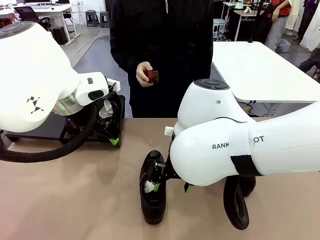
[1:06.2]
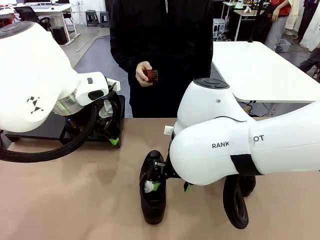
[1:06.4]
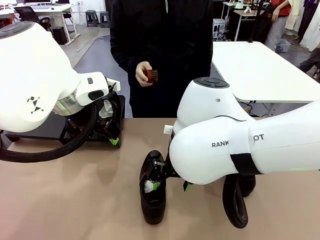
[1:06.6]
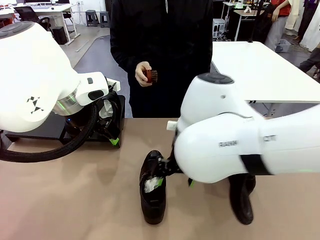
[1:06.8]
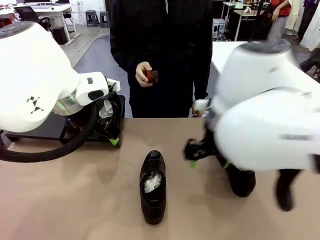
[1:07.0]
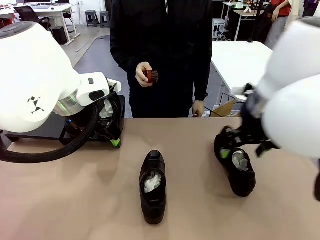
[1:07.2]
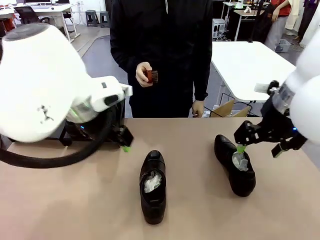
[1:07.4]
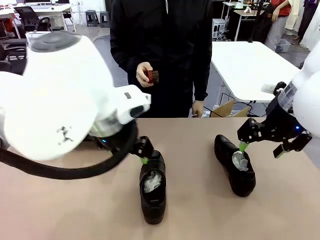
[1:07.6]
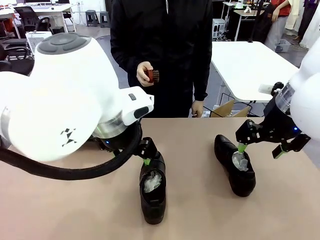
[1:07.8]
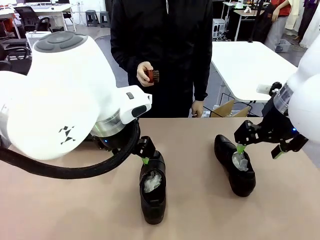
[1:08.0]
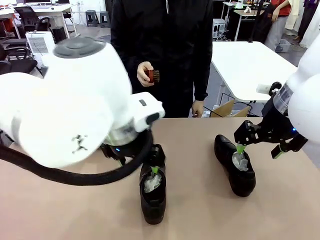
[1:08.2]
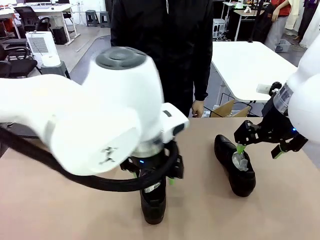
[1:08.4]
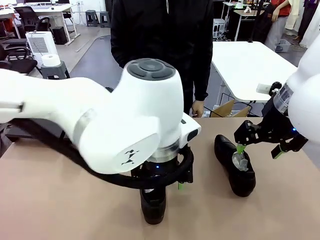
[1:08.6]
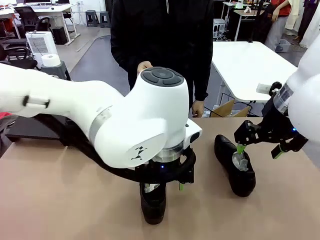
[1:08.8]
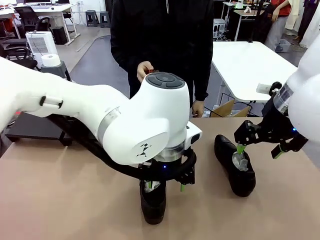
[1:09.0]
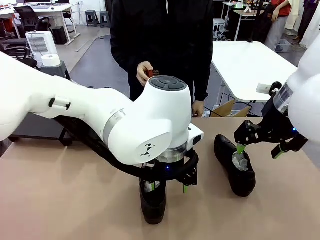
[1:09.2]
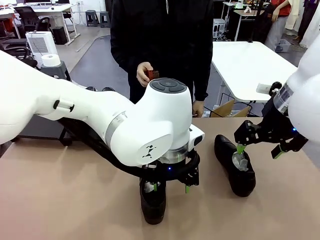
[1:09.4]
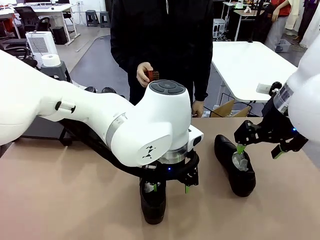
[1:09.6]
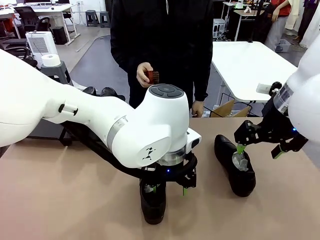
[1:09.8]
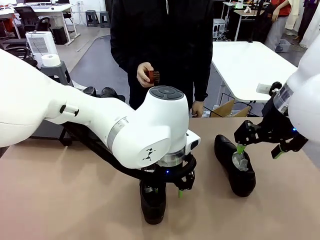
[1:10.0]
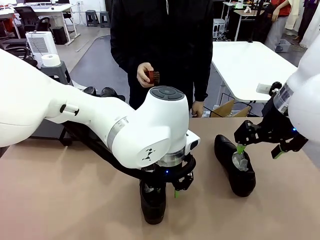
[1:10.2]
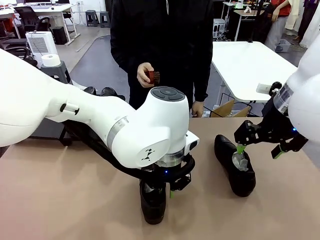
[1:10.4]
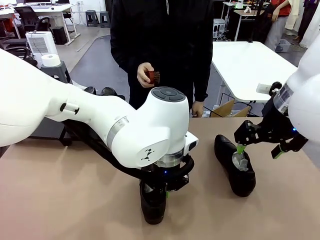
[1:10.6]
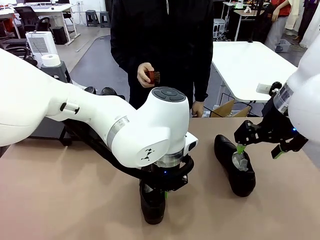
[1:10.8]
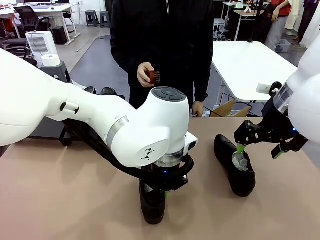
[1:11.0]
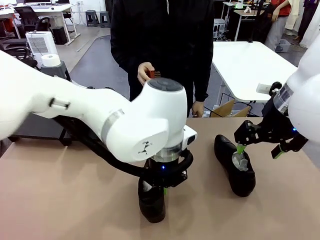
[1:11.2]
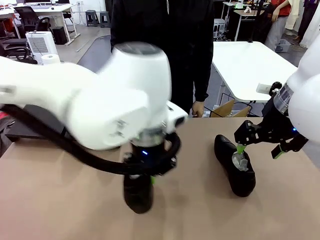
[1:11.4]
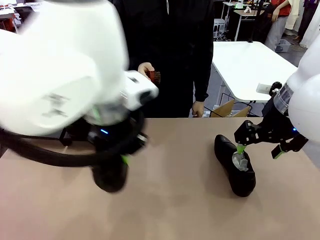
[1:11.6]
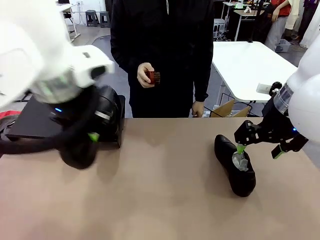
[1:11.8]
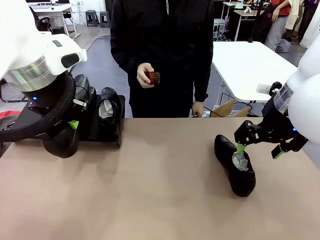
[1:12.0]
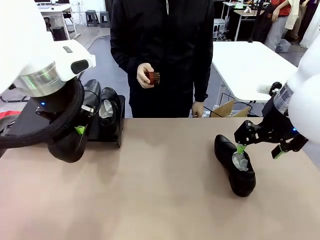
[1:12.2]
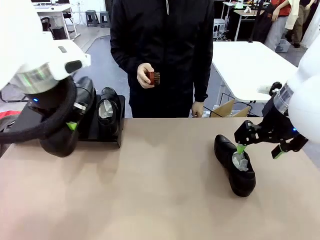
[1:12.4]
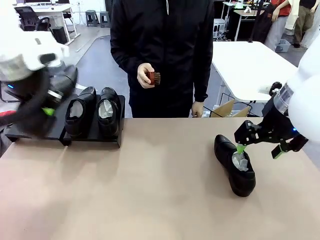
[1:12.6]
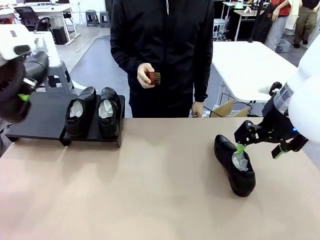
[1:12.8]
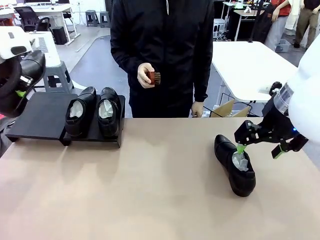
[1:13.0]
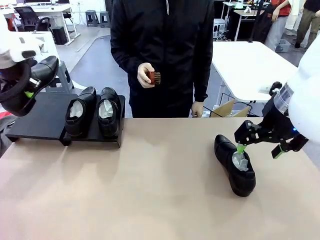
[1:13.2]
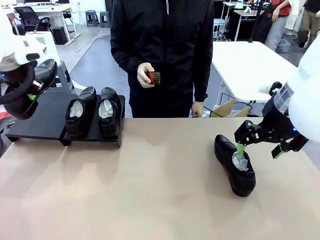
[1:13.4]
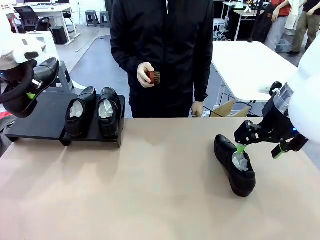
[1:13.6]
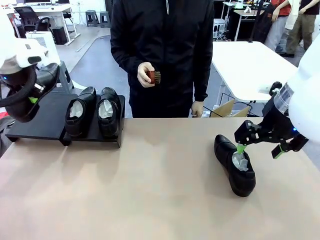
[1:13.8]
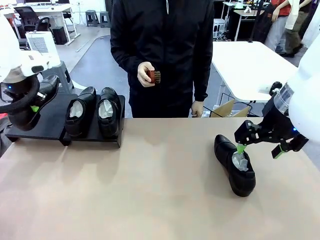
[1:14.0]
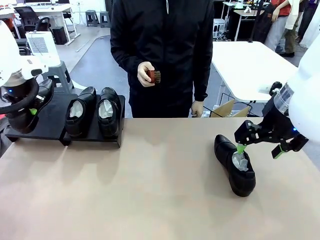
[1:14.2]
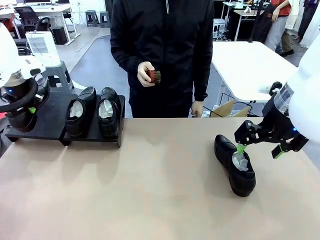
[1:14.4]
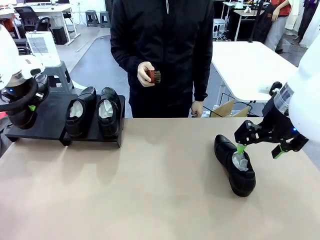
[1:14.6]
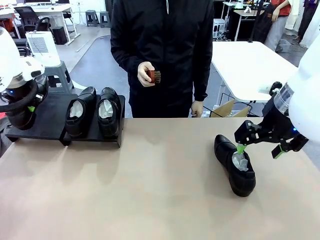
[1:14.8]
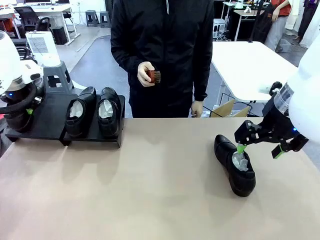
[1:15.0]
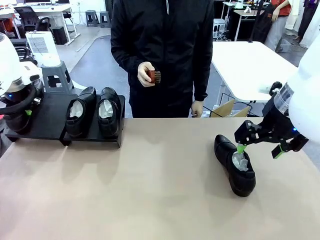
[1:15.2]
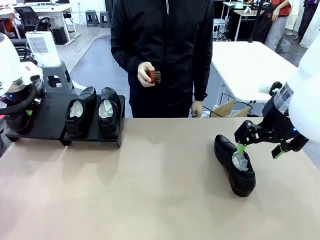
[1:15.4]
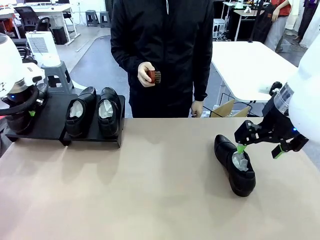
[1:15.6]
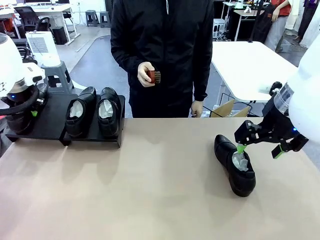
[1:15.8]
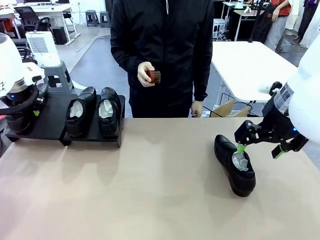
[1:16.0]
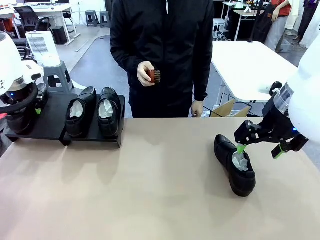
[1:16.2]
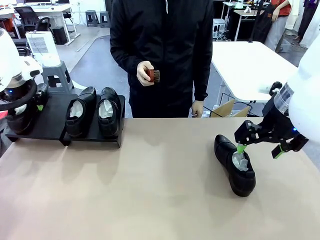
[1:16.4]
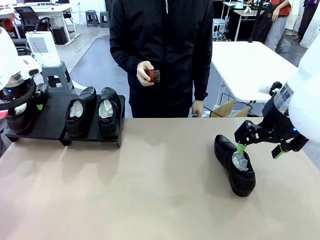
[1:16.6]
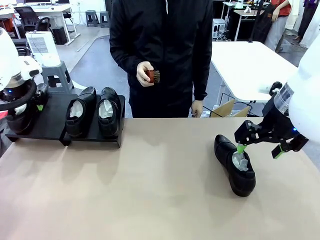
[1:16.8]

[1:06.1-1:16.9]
Task: Organize the shoes by placing them on the stand.
Robot: Place the Shoe from the middle of the table onto the Shoes Stand.

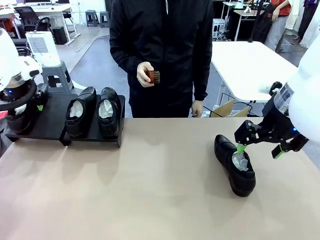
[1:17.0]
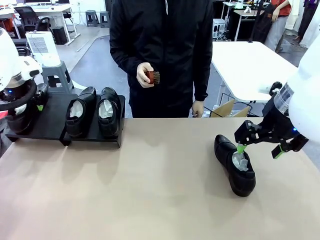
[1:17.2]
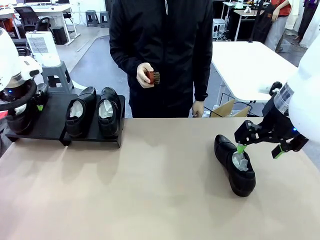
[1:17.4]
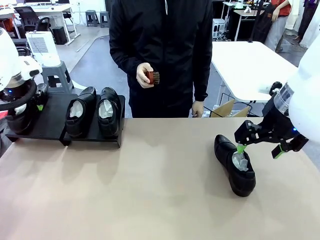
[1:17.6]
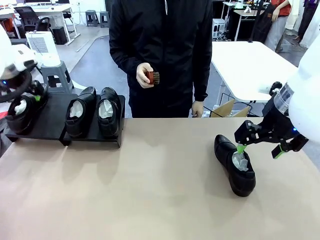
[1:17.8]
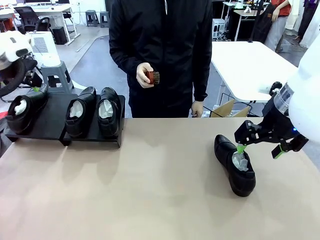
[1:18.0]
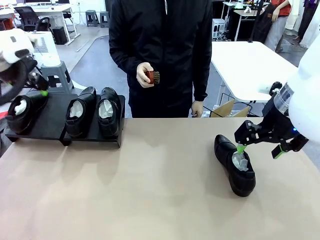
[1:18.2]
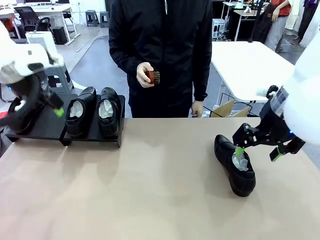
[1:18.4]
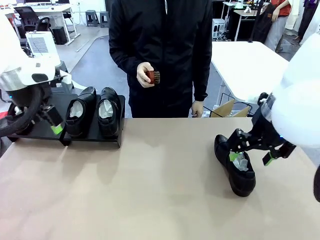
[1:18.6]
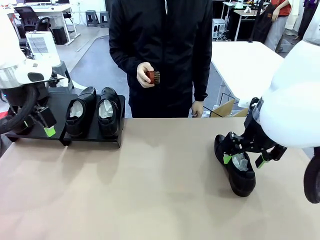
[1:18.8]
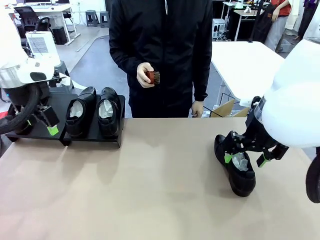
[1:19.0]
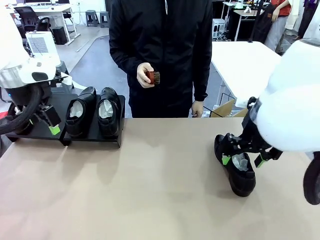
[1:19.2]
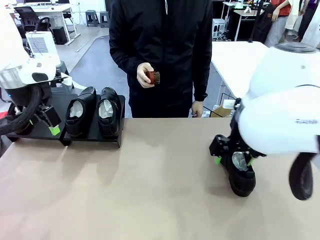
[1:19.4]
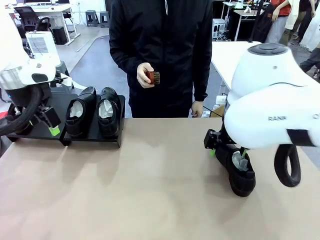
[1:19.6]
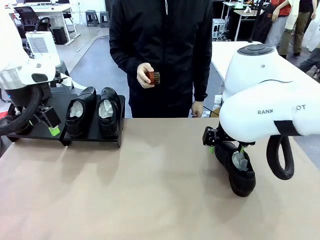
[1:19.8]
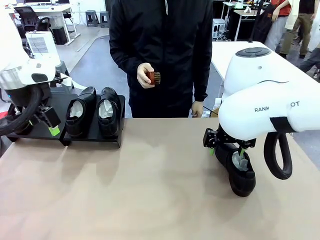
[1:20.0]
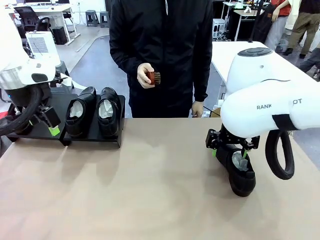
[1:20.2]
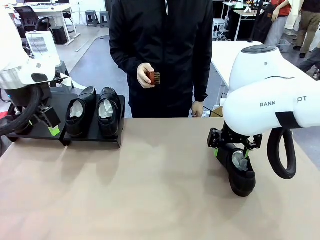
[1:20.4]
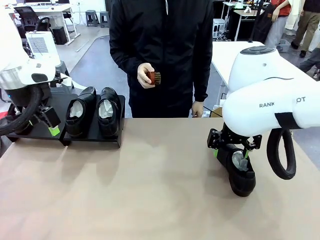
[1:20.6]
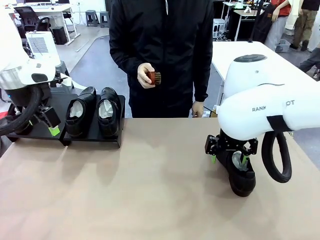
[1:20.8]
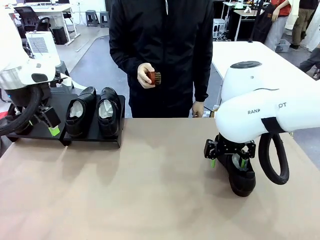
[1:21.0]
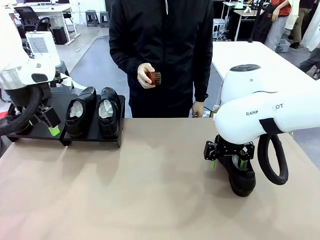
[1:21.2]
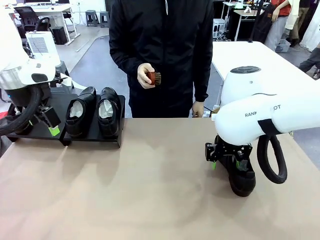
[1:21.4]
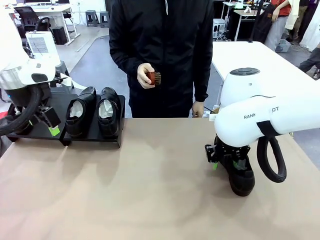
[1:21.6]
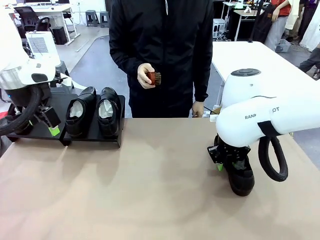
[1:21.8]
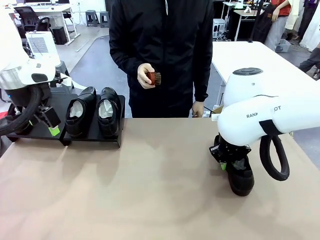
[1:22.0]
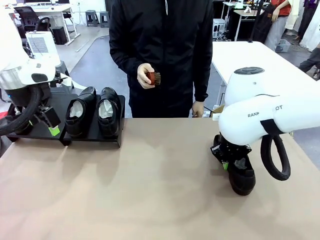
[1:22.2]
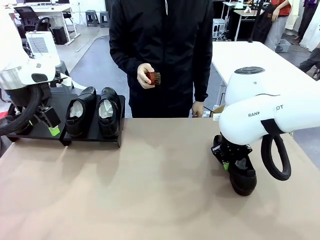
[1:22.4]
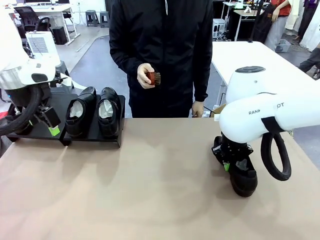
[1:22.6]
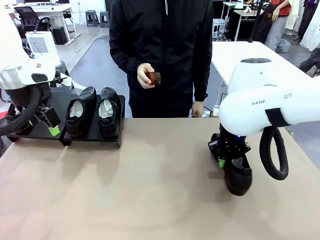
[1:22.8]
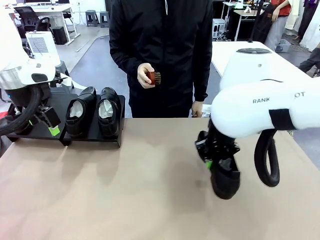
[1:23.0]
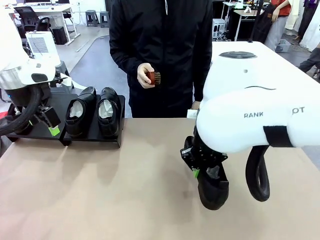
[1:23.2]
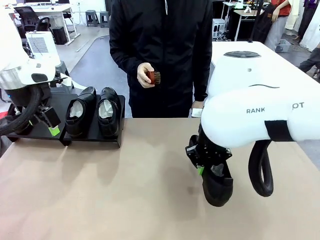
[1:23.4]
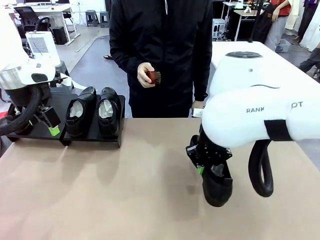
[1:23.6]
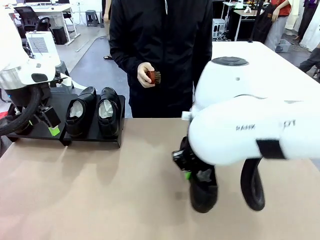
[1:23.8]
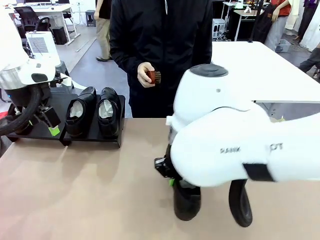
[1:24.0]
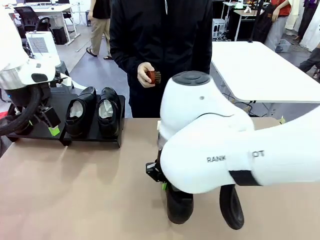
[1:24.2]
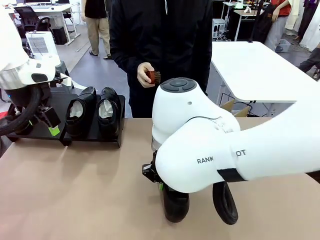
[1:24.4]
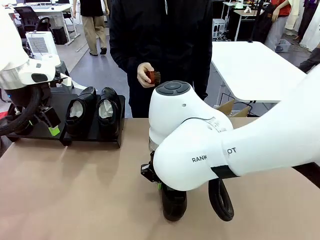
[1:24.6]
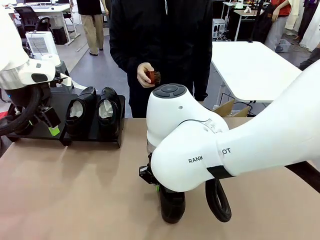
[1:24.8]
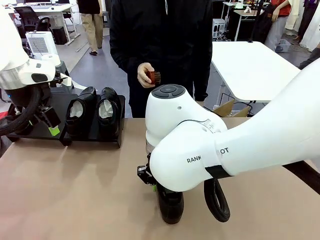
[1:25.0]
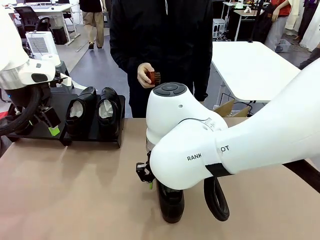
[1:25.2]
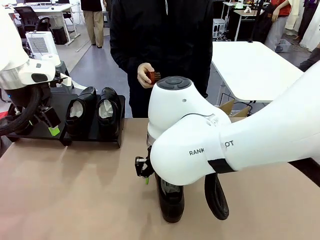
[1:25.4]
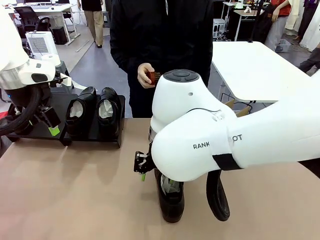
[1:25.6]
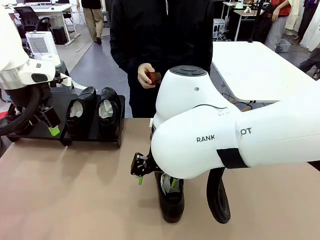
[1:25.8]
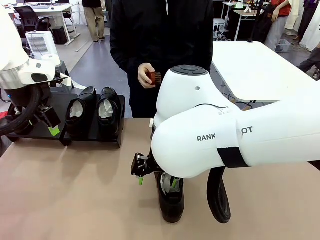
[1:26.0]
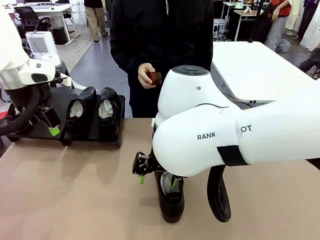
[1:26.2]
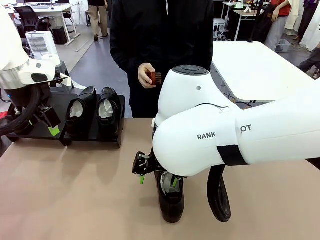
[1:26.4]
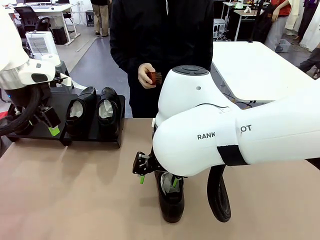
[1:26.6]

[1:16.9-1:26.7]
Robot: Pick up one Shoe and place it in the middle of the table.
